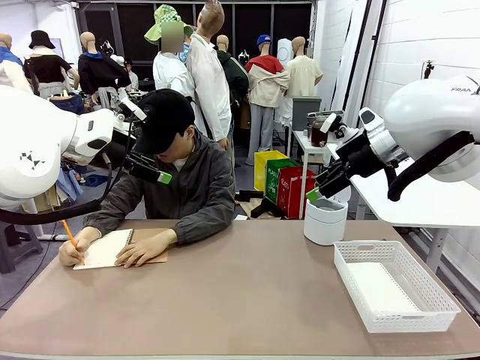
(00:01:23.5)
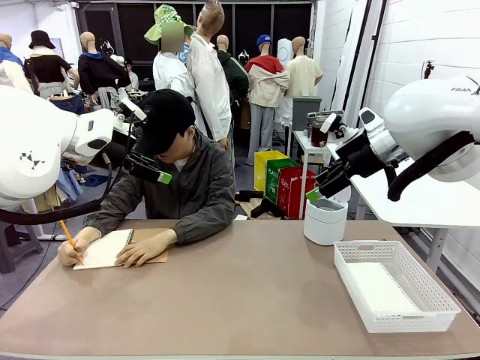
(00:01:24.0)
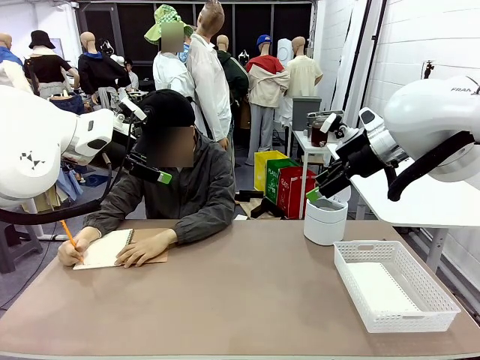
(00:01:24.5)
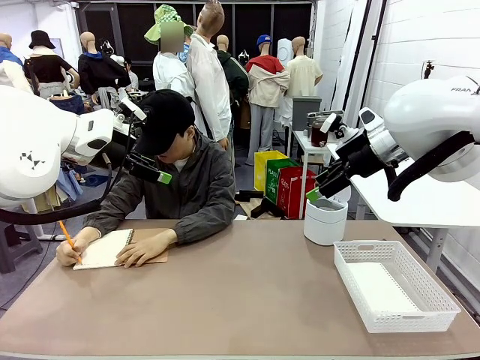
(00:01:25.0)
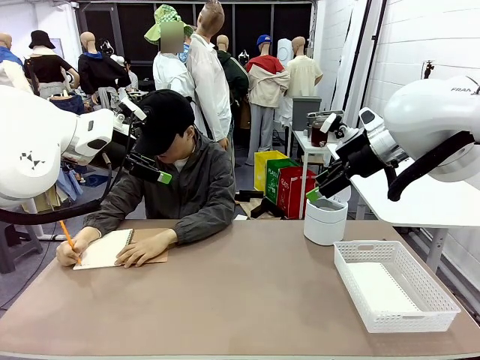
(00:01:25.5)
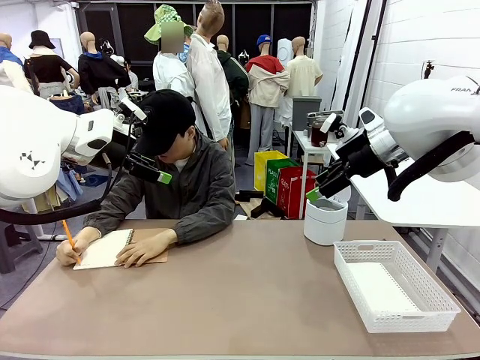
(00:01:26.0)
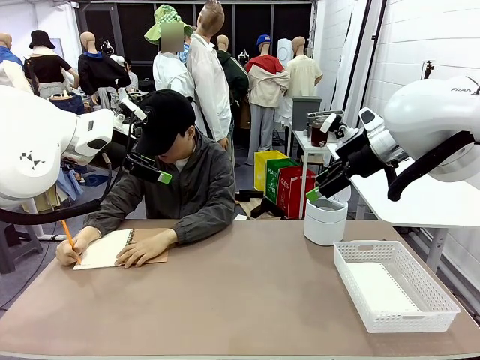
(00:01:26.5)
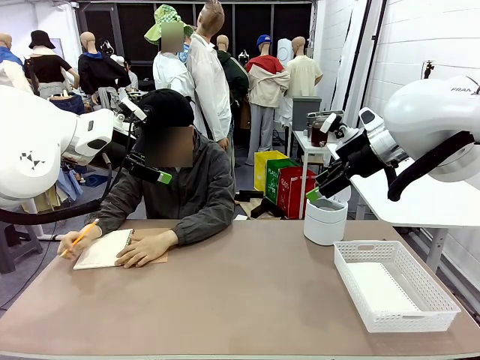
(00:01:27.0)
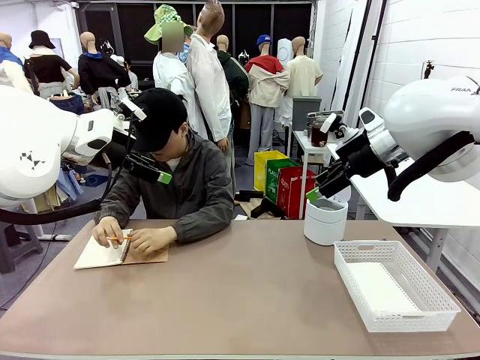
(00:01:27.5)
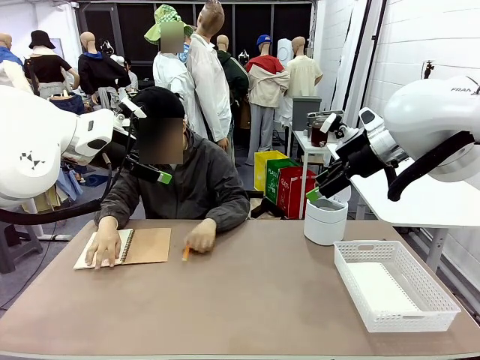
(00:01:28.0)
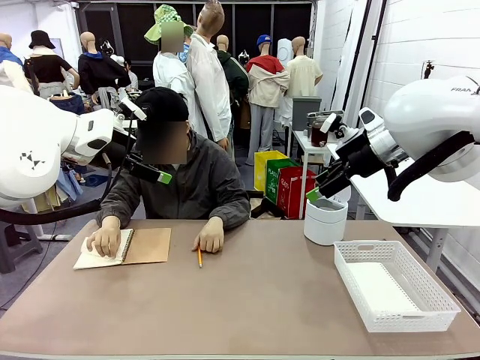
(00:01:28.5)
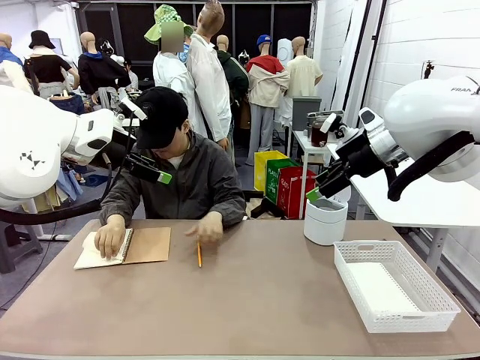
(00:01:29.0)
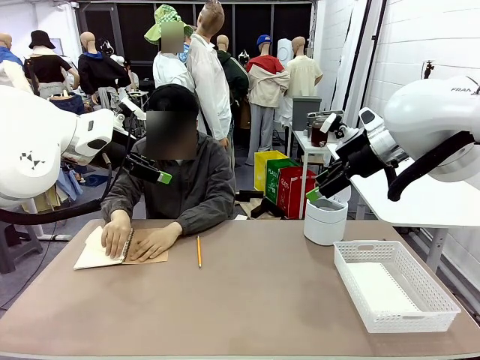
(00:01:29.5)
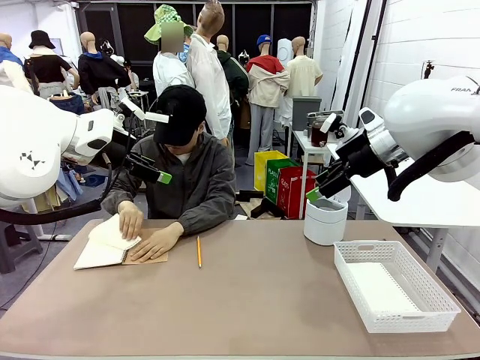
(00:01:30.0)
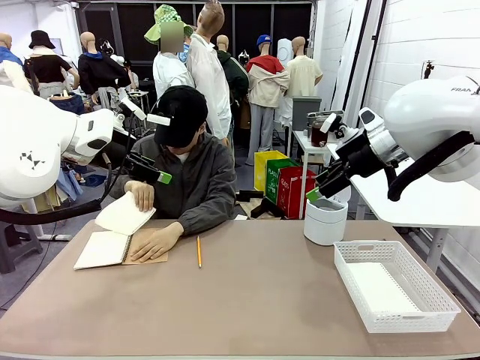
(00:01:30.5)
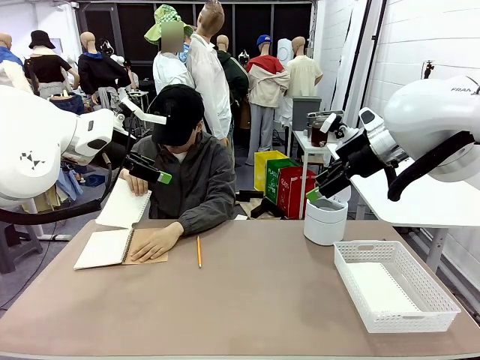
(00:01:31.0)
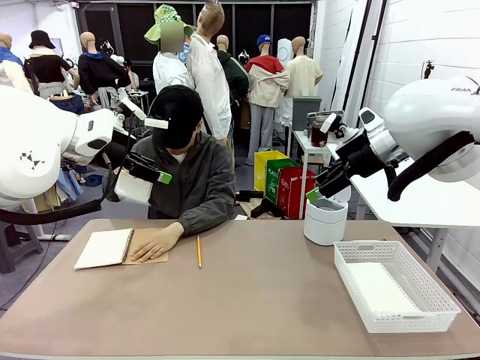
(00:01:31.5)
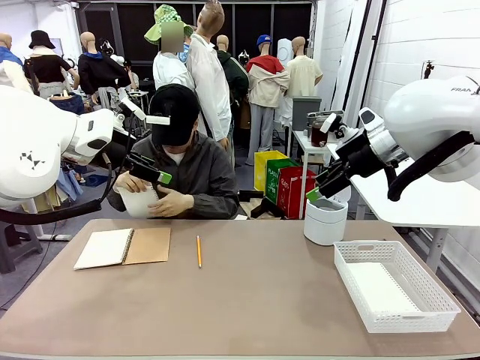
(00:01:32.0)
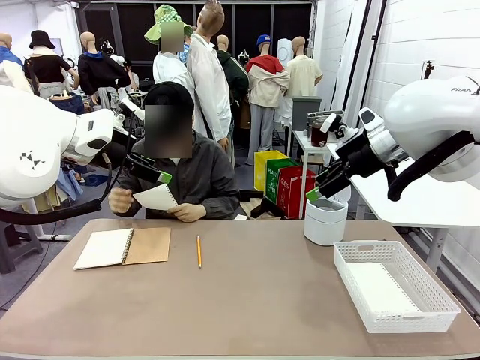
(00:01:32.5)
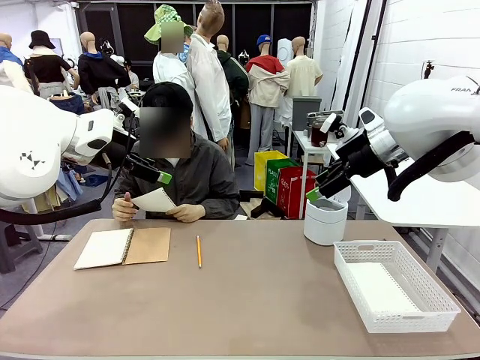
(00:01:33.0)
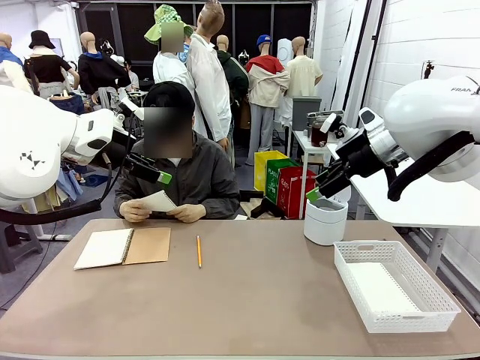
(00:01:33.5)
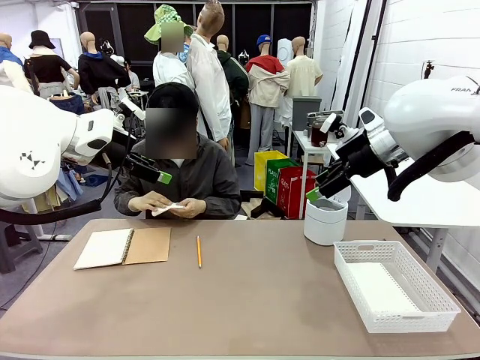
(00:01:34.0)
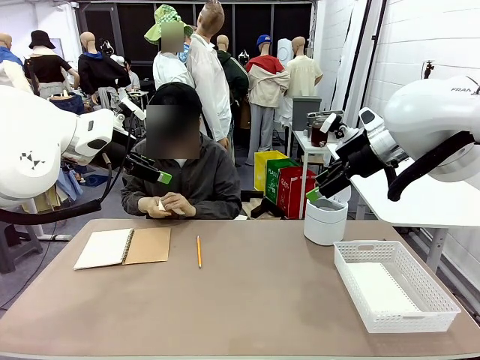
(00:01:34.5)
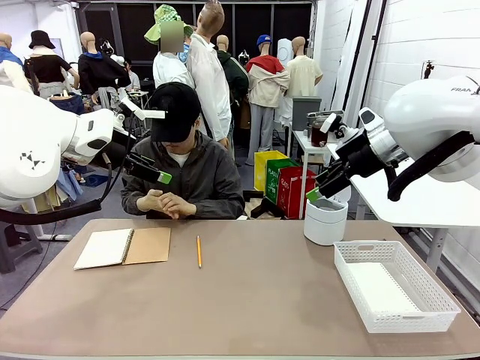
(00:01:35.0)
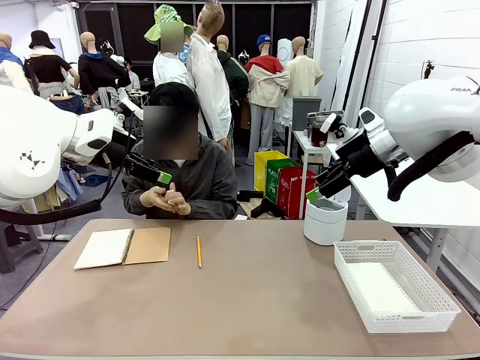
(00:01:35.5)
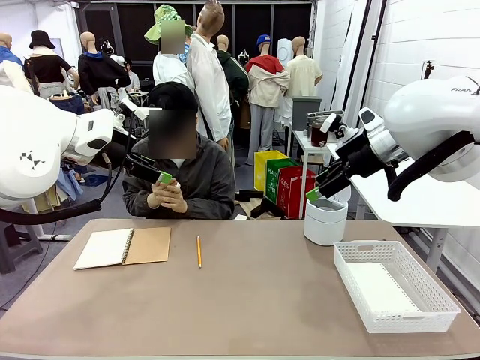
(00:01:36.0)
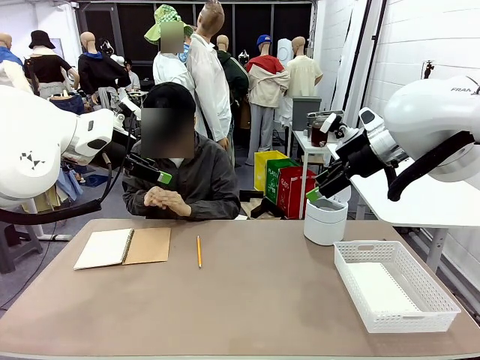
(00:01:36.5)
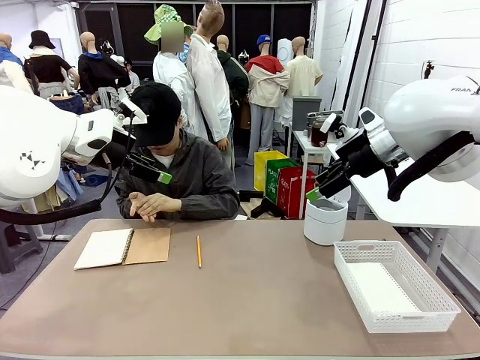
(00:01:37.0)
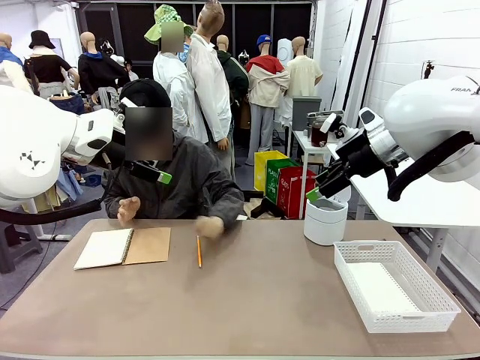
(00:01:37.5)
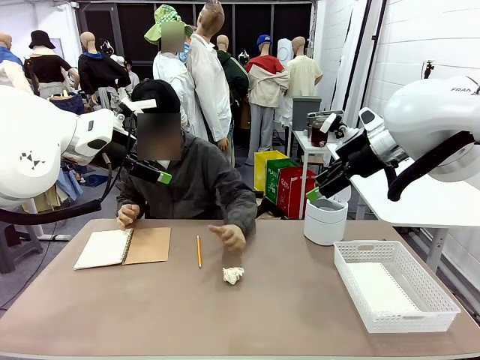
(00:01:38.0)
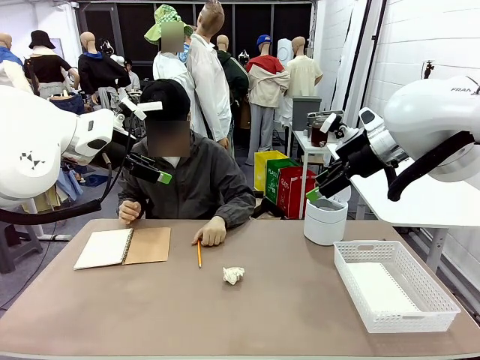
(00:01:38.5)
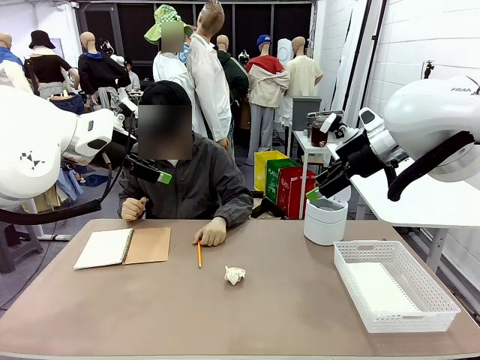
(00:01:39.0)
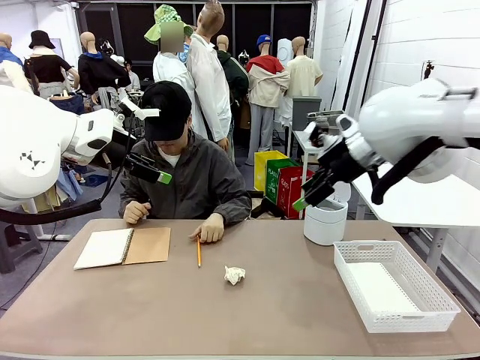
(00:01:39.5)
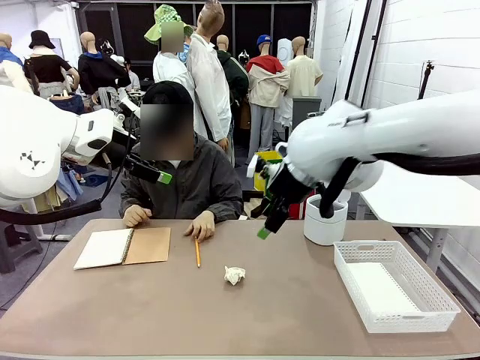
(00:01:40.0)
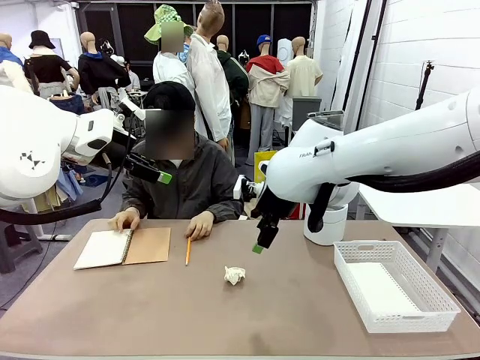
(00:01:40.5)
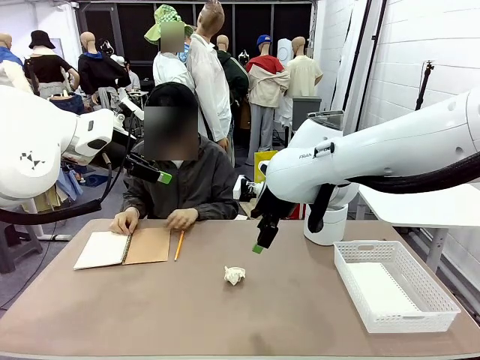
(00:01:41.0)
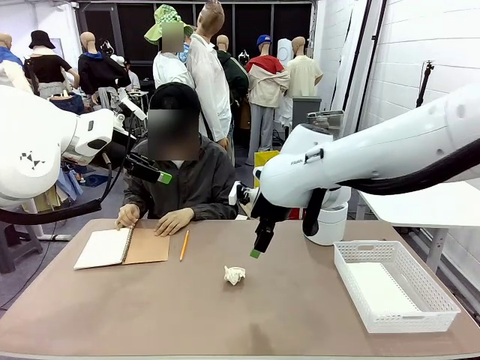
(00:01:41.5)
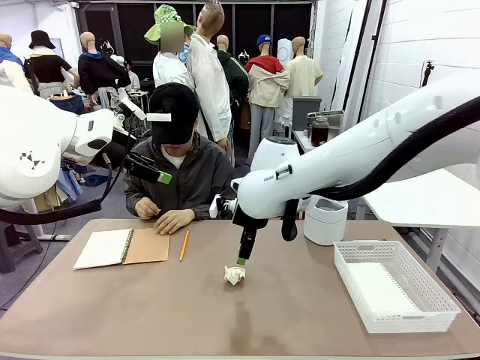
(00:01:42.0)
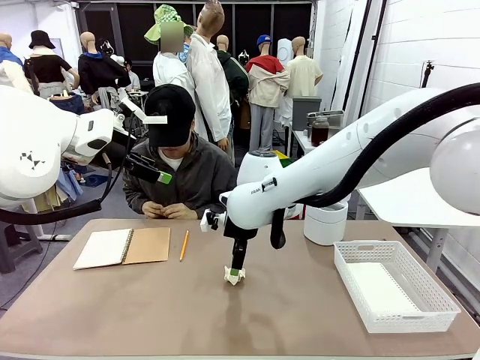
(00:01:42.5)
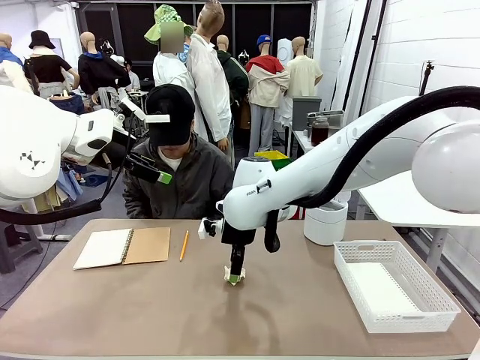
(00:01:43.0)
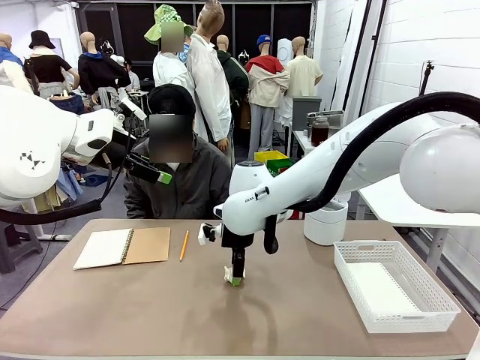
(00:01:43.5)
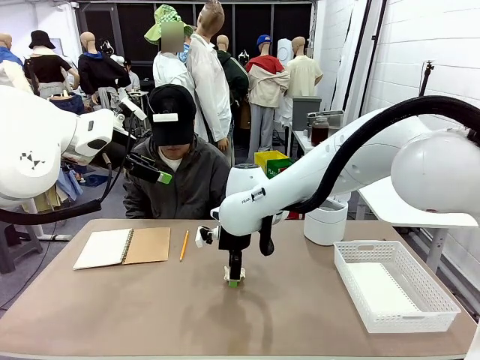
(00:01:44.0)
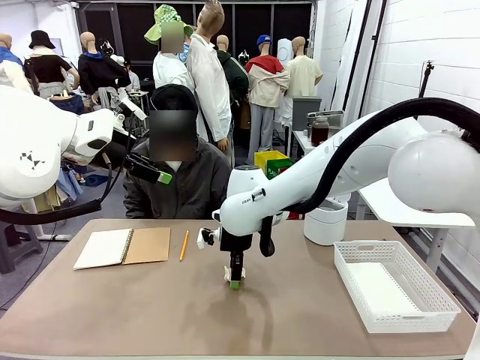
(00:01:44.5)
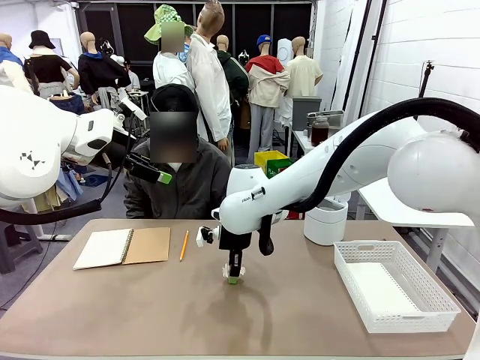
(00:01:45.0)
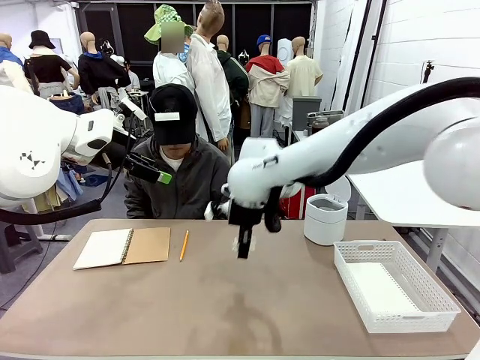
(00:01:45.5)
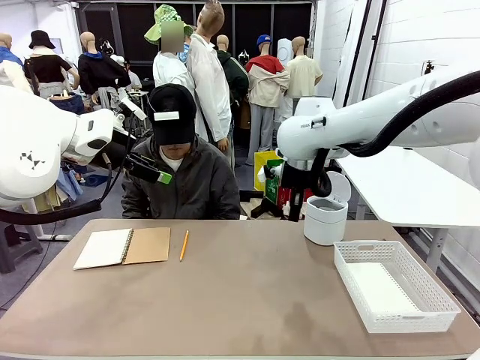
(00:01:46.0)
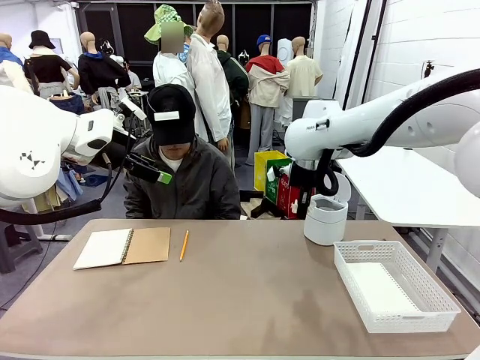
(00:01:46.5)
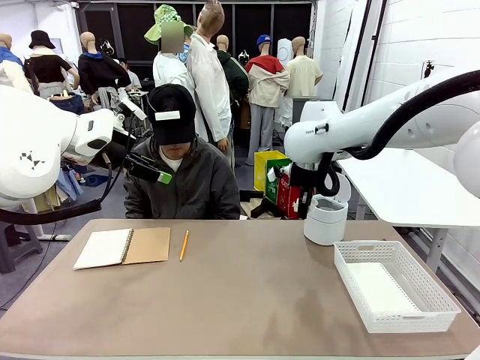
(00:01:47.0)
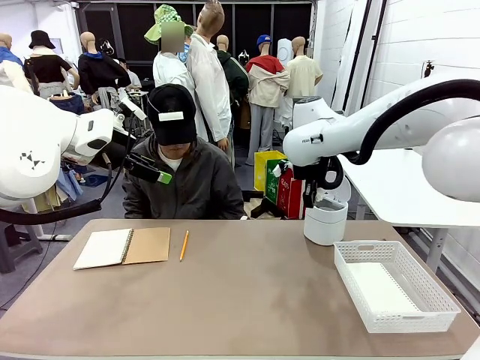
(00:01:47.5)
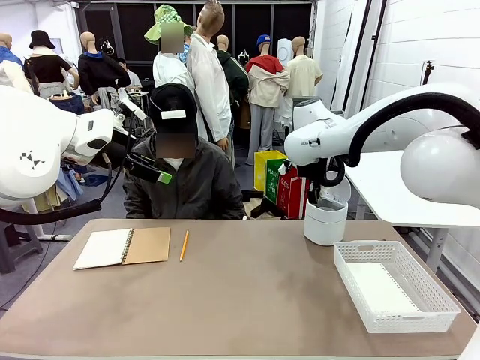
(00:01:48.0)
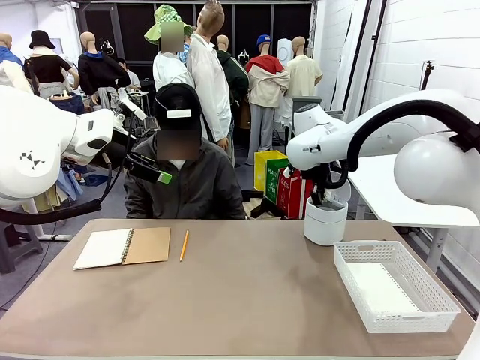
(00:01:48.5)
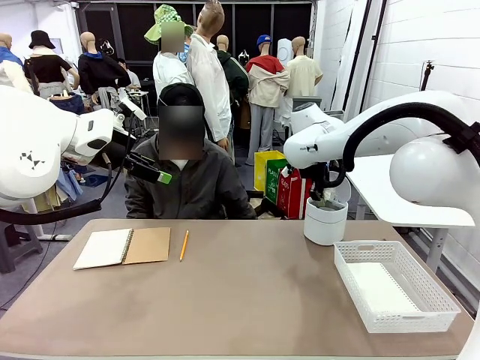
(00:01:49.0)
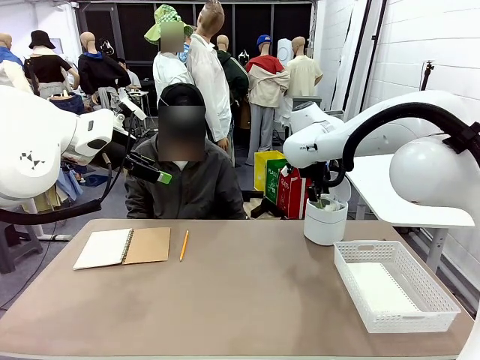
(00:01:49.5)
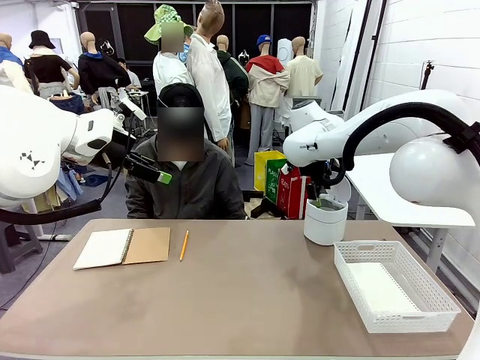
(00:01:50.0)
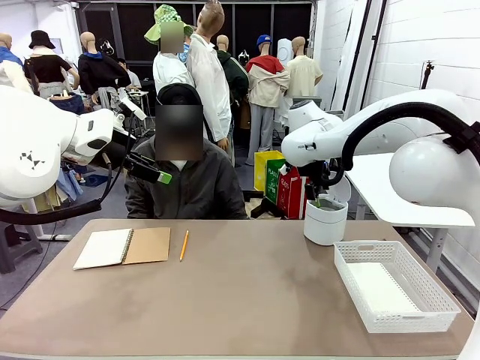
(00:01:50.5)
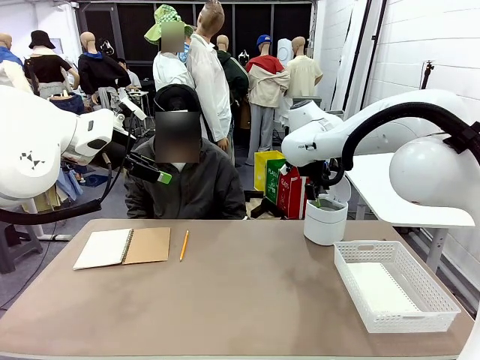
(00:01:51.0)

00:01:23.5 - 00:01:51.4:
Task: Sort the paper based on its condition.
Robot: If a person hands you a paper, place it in the Organizing basket , and if it's crumpled, put it in the Trash can.
Person: Hand the torn page to the robot or crumple it and throw it to the center of the table.
